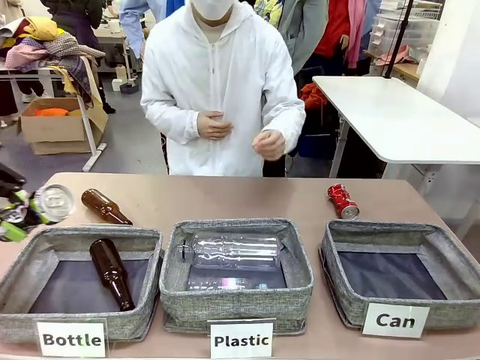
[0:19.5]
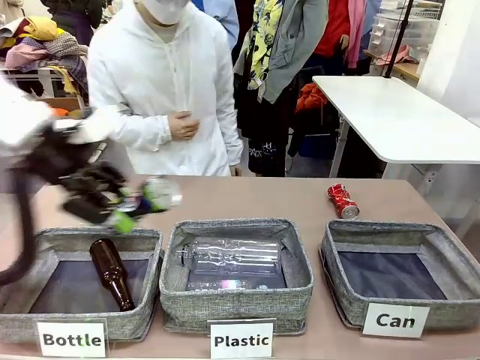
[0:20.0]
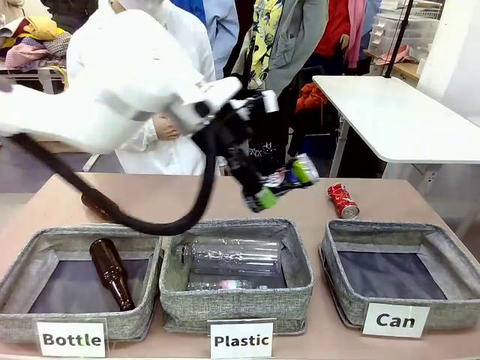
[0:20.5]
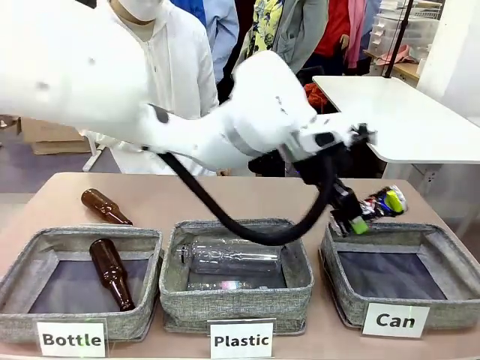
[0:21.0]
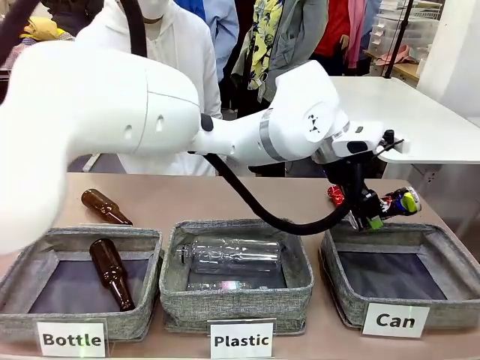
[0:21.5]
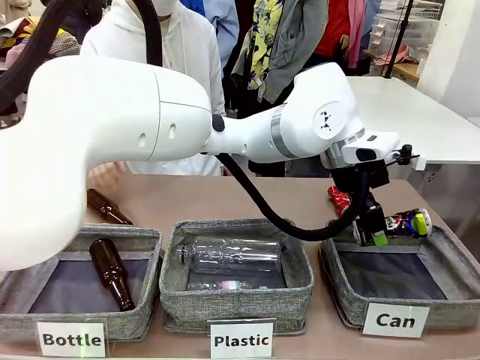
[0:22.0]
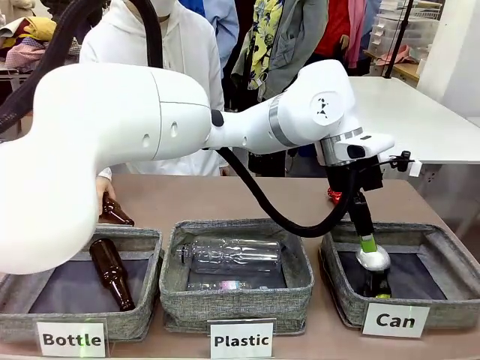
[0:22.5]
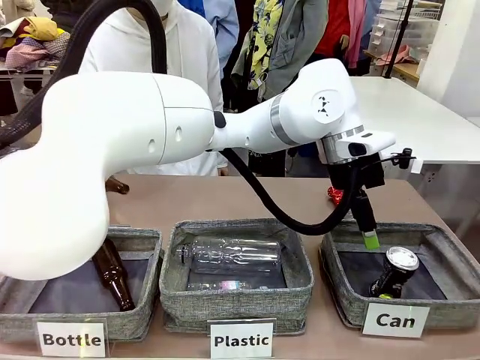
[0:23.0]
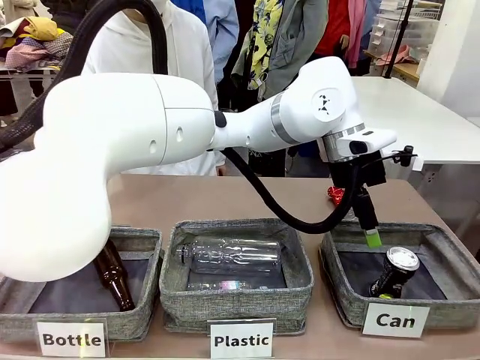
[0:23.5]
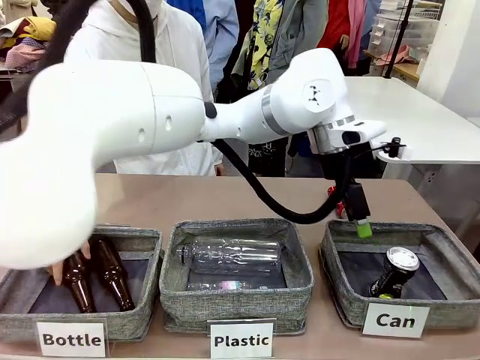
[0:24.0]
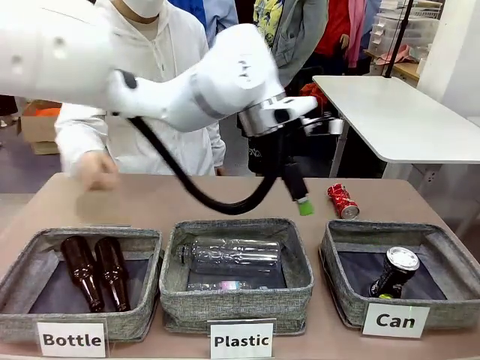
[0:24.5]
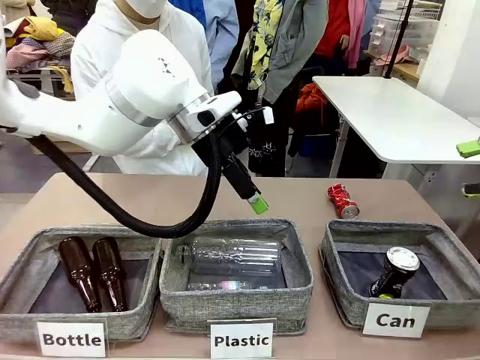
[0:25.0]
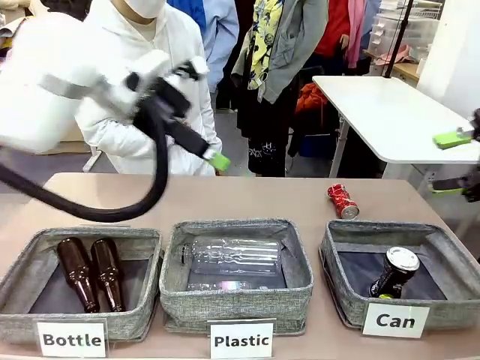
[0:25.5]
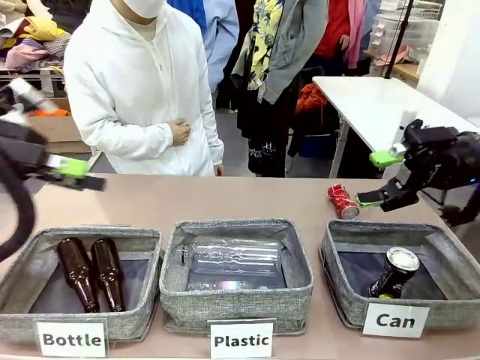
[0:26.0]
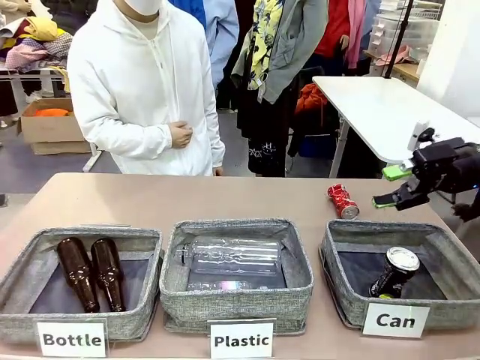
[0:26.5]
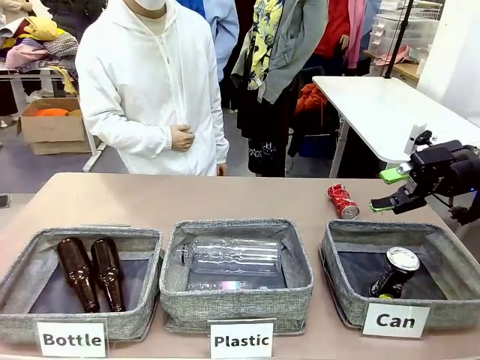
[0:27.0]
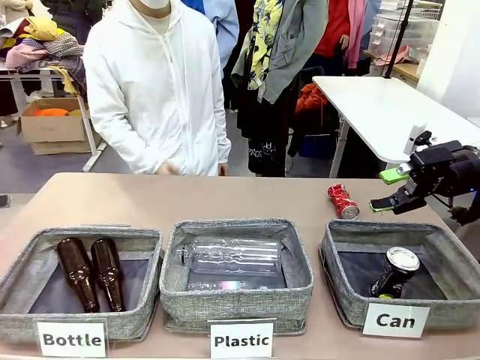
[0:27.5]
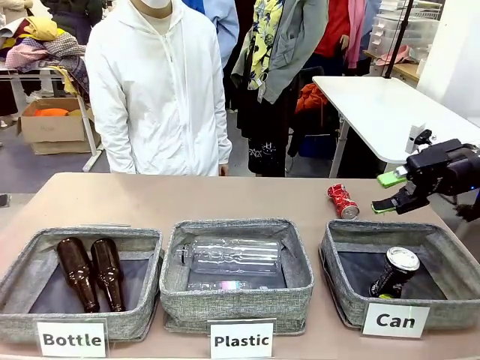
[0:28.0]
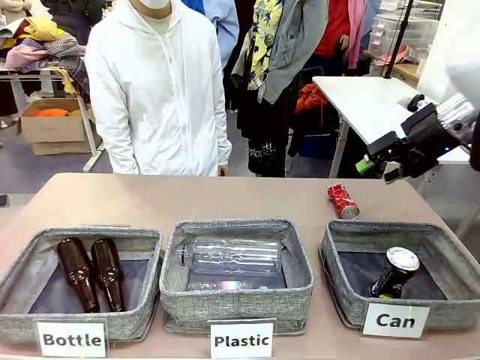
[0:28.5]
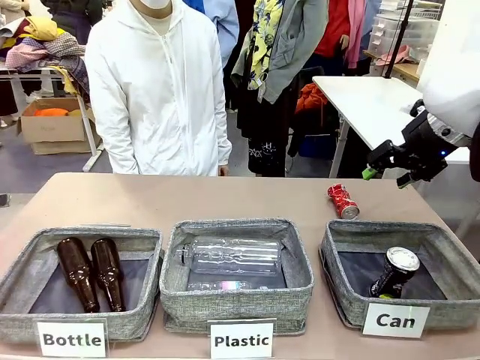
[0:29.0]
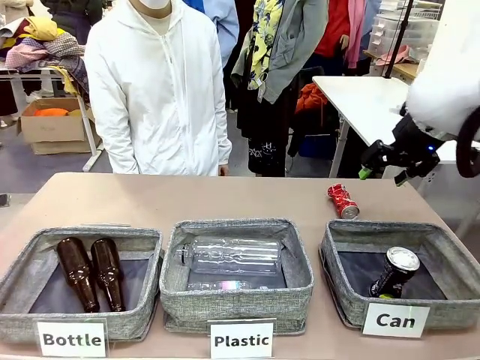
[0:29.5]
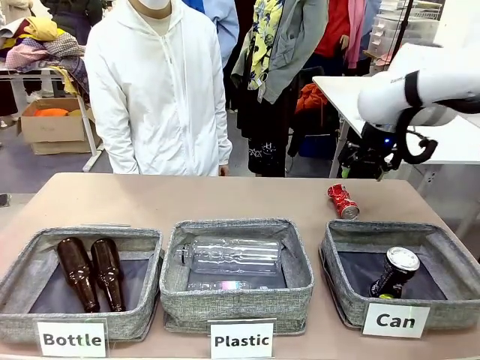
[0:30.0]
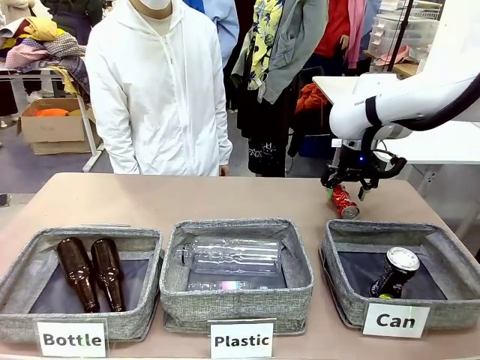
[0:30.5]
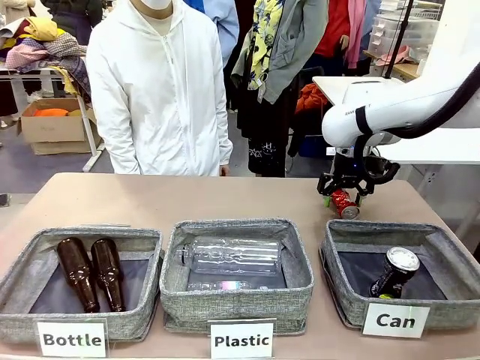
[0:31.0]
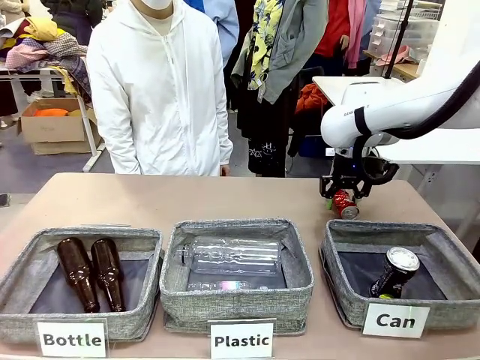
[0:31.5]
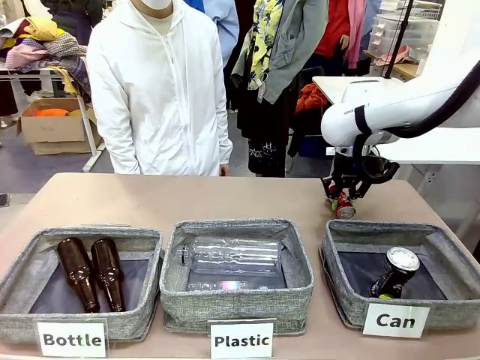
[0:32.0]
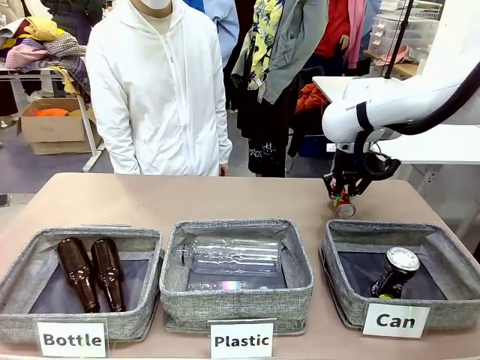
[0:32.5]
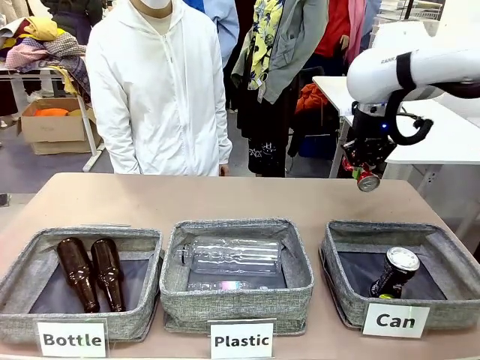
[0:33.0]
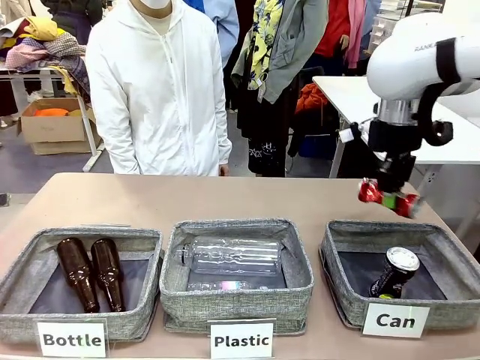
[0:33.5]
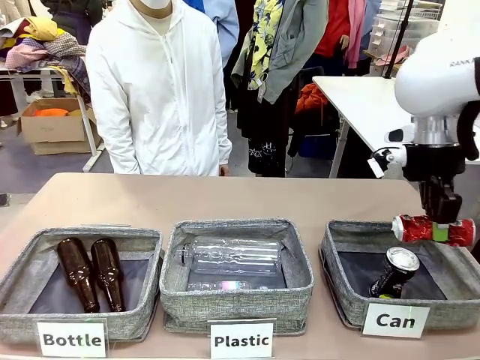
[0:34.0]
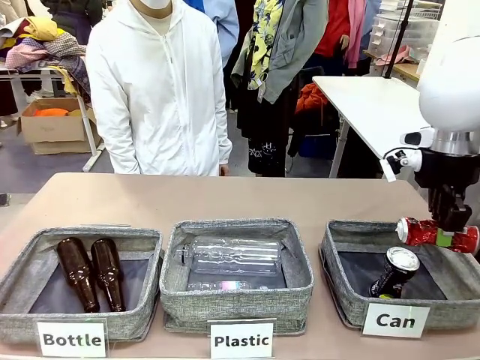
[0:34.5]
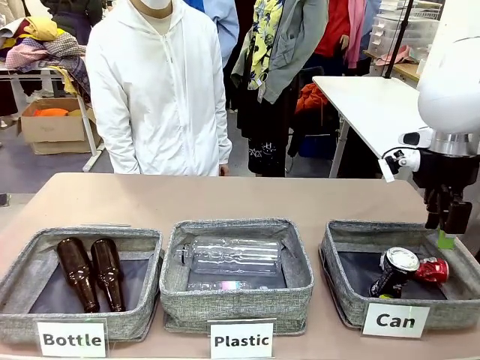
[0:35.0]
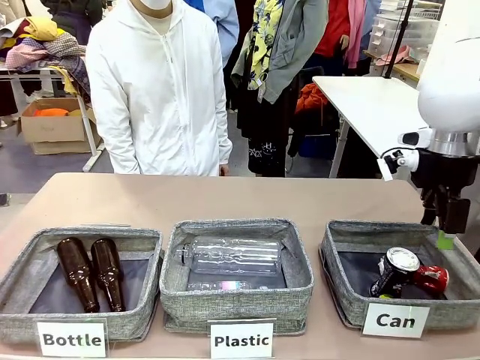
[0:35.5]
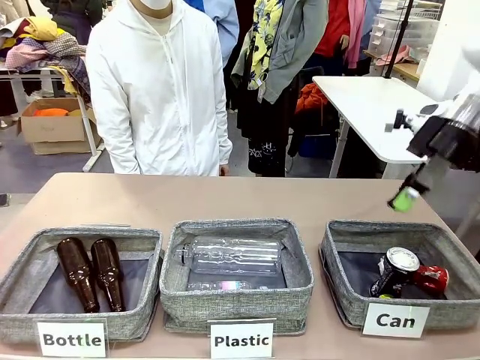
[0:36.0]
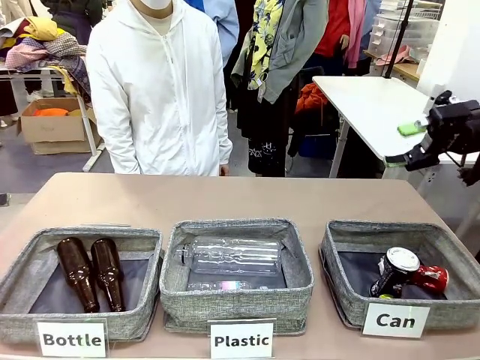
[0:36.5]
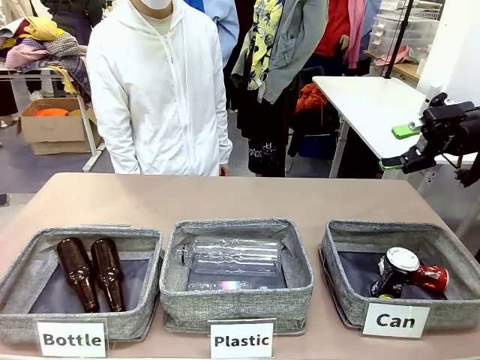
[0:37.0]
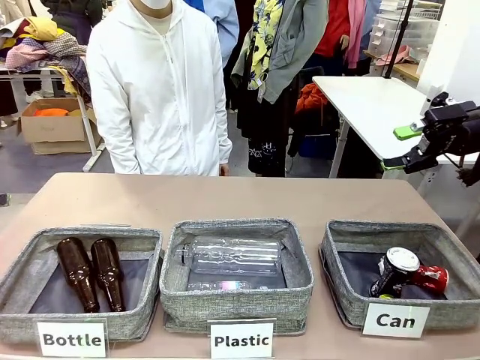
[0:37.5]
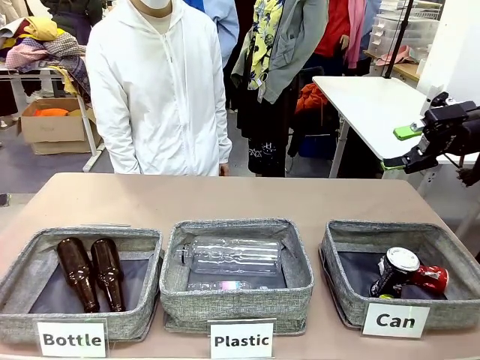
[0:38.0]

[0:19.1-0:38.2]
Task: Sort the can waste into the basket.
Robot: Pick up the can waste from the table and place it in the right Fabric basket.

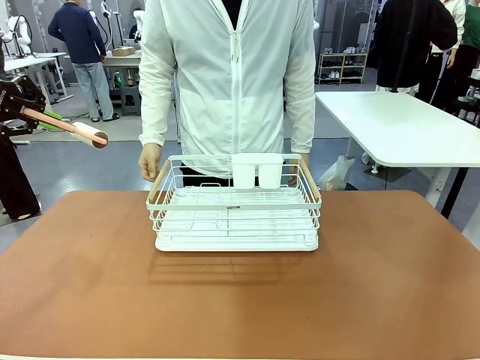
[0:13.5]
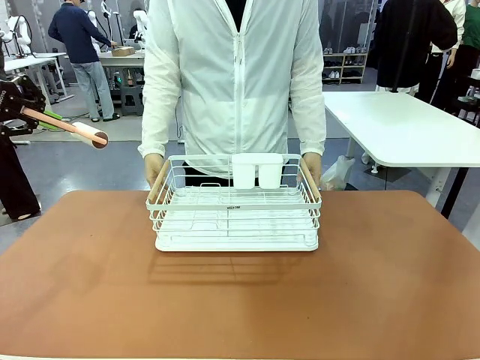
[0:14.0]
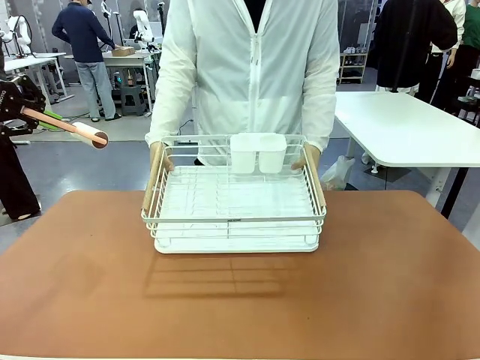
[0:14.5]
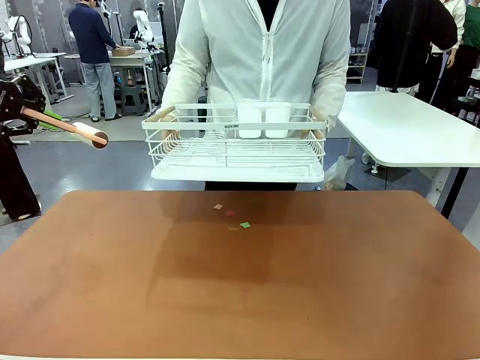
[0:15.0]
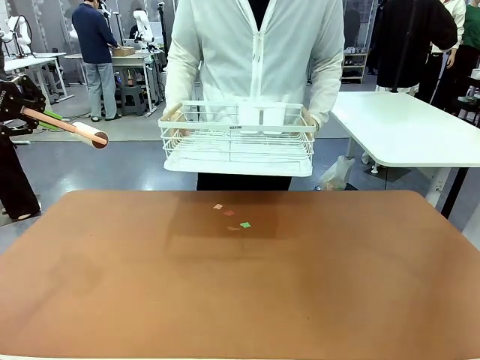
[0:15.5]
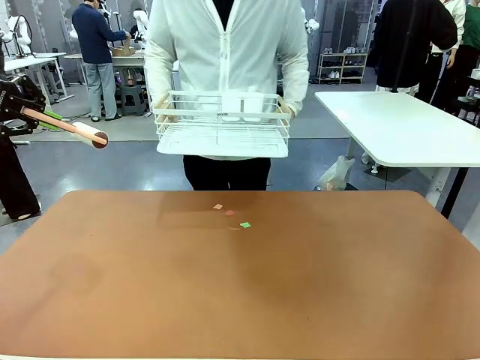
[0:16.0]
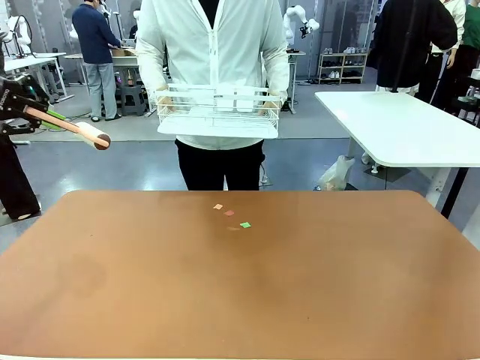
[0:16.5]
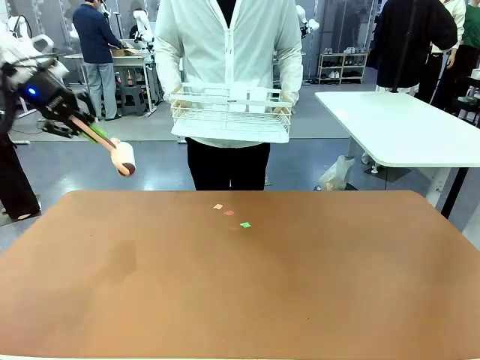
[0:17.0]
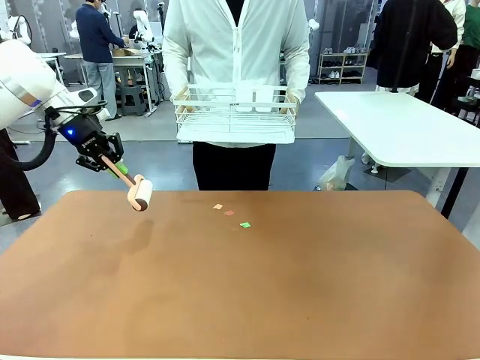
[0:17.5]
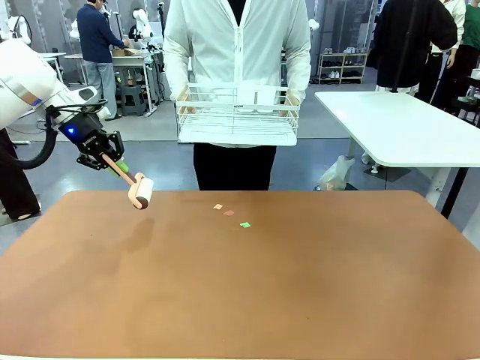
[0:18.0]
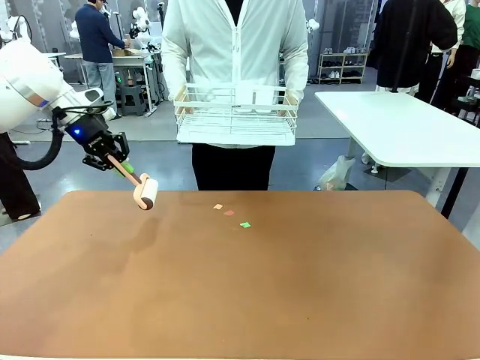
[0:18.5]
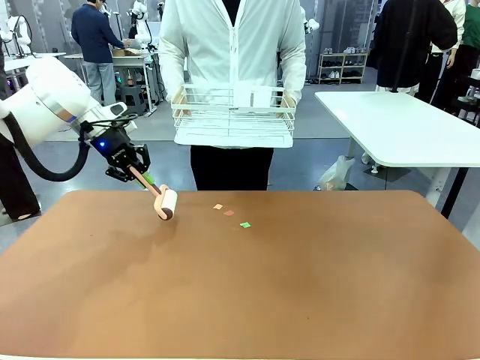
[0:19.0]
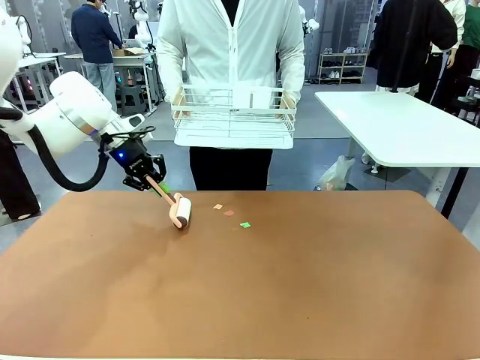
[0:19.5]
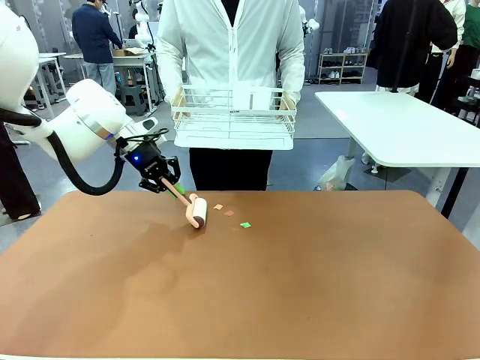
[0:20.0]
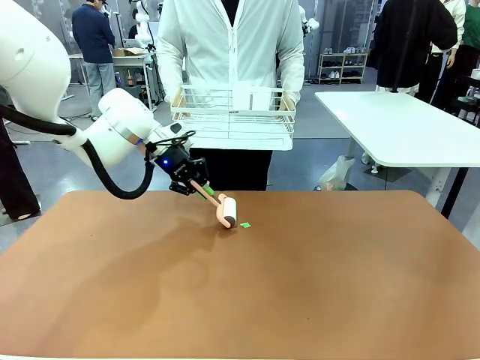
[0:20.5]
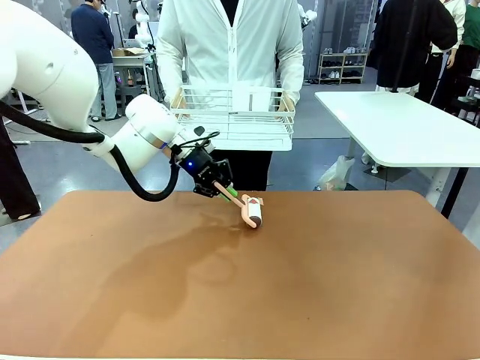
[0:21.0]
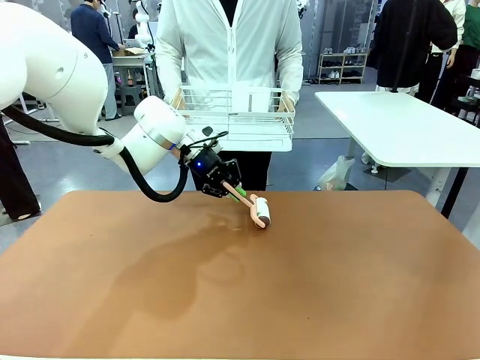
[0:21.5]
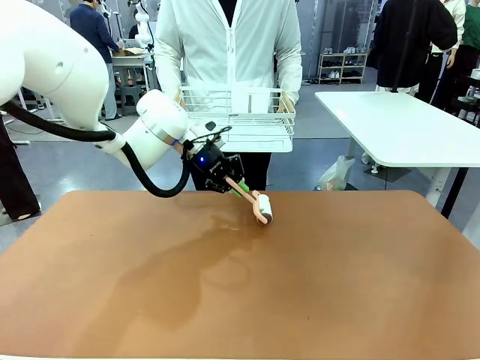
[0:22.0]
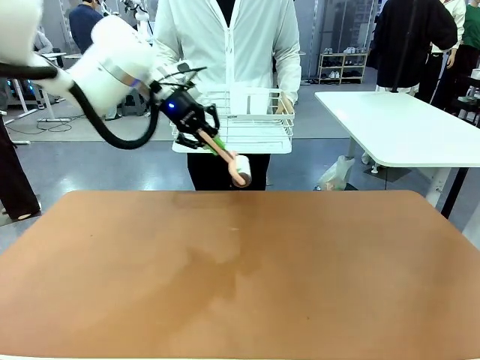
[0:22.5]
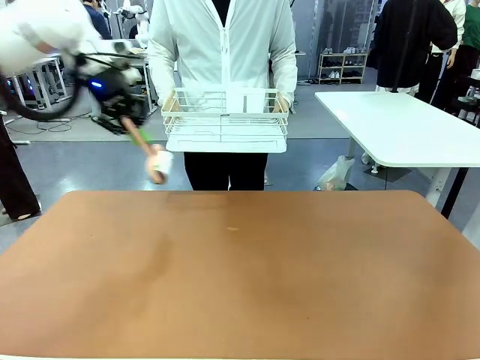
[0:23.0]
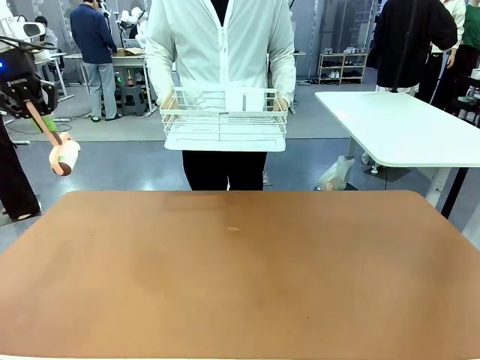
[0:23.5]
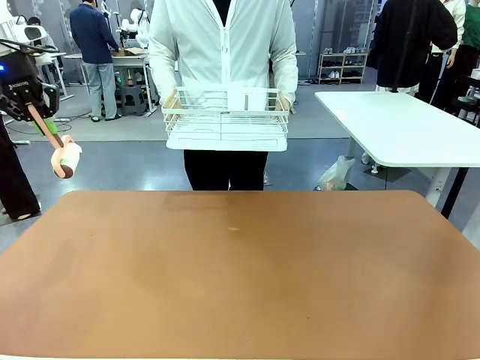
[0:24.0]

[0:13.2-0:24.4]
Task: Clean the table.
Robot: Clean the table with the Lint Roller when the human lifts the Dish drying rack.
